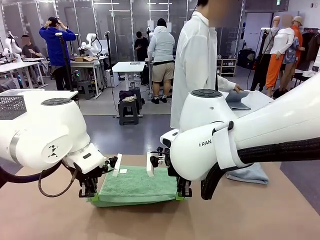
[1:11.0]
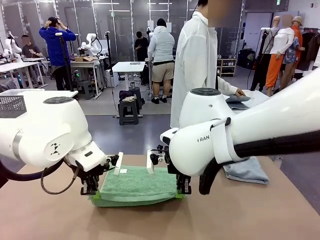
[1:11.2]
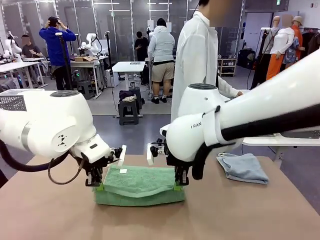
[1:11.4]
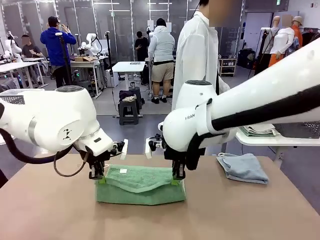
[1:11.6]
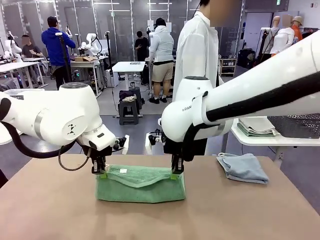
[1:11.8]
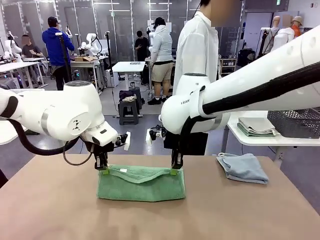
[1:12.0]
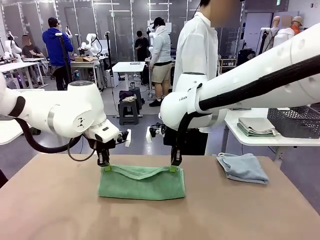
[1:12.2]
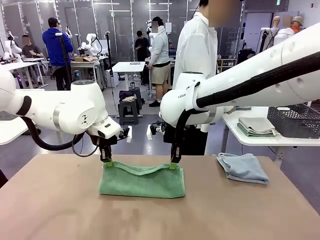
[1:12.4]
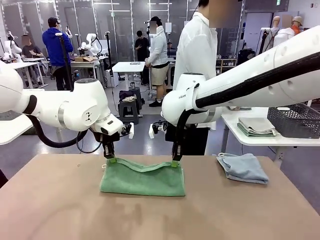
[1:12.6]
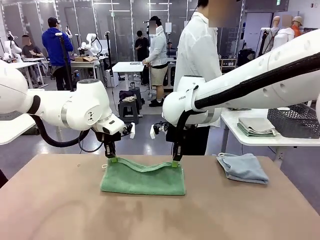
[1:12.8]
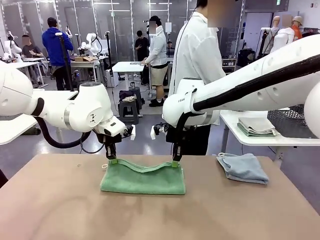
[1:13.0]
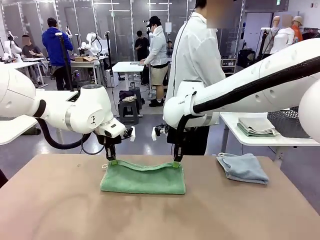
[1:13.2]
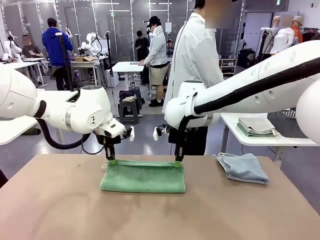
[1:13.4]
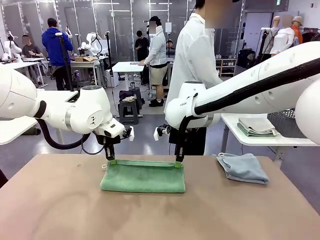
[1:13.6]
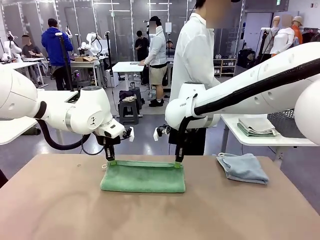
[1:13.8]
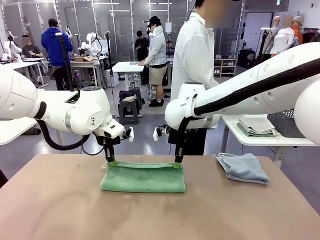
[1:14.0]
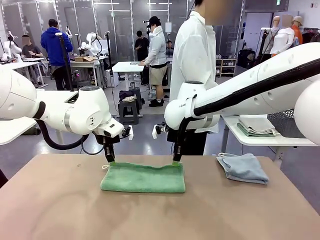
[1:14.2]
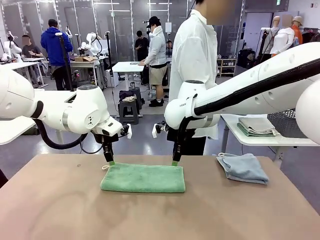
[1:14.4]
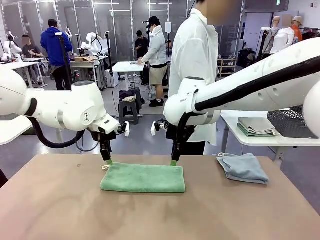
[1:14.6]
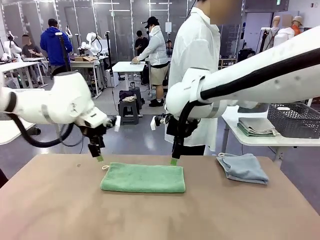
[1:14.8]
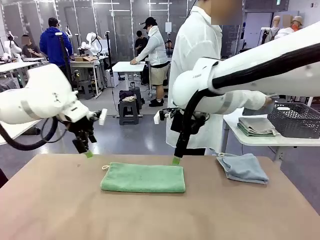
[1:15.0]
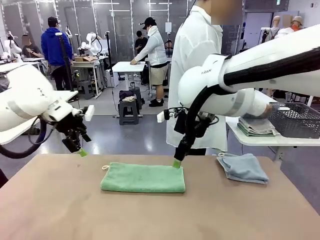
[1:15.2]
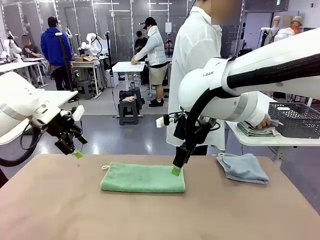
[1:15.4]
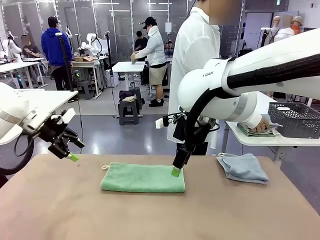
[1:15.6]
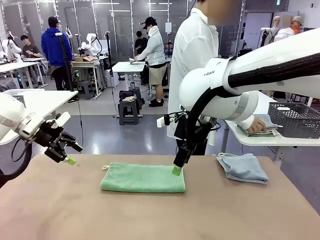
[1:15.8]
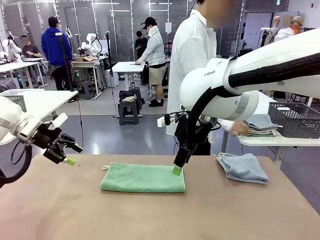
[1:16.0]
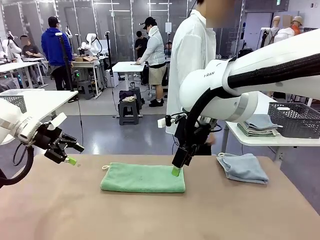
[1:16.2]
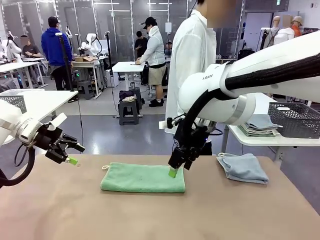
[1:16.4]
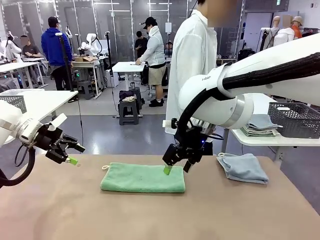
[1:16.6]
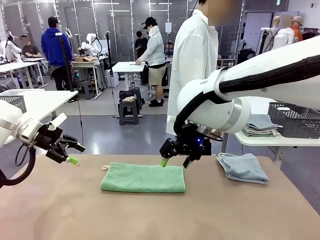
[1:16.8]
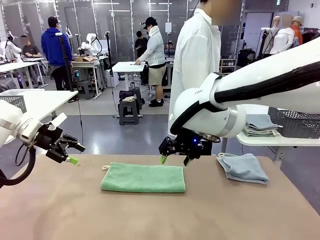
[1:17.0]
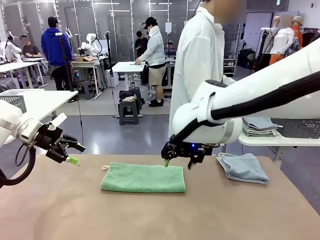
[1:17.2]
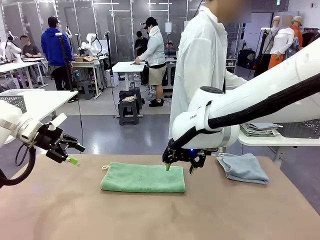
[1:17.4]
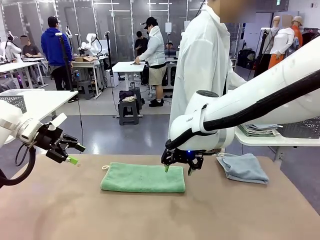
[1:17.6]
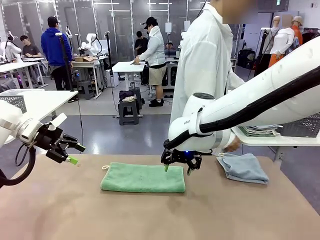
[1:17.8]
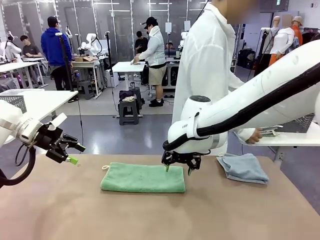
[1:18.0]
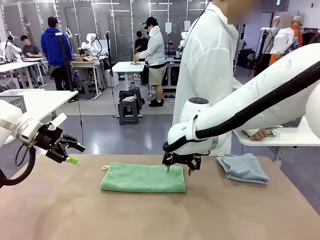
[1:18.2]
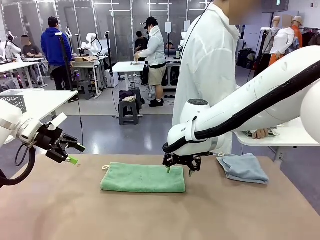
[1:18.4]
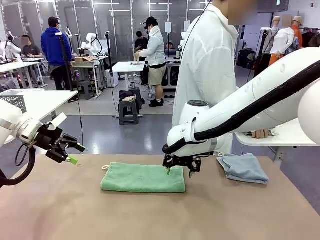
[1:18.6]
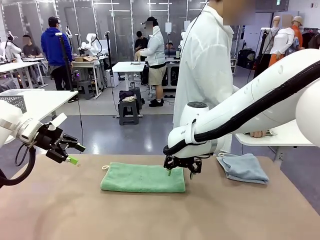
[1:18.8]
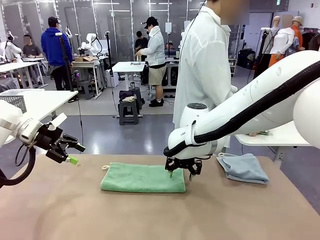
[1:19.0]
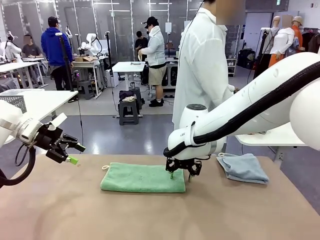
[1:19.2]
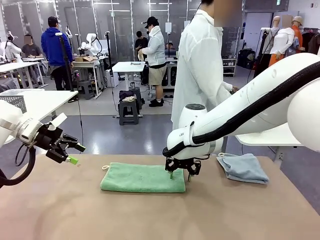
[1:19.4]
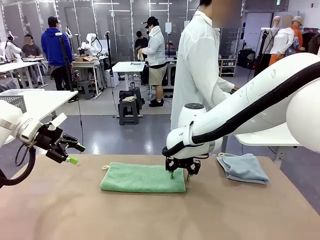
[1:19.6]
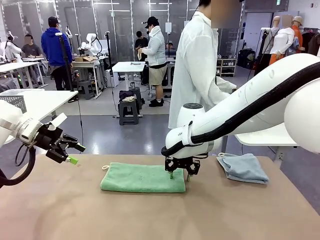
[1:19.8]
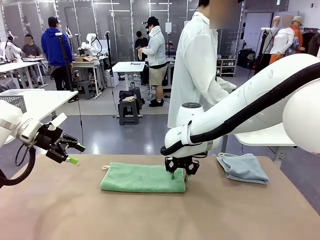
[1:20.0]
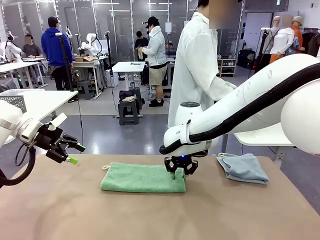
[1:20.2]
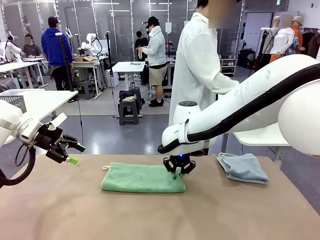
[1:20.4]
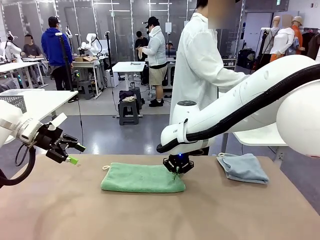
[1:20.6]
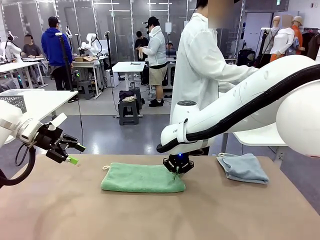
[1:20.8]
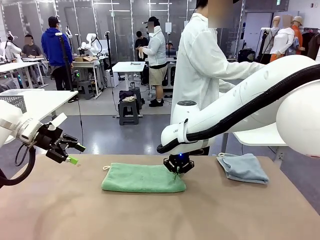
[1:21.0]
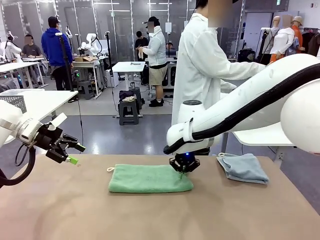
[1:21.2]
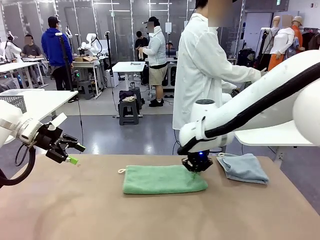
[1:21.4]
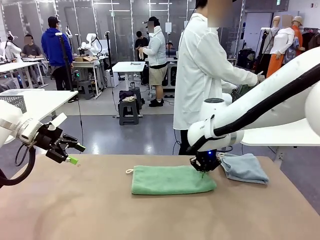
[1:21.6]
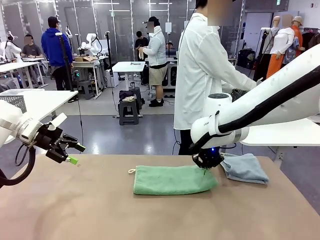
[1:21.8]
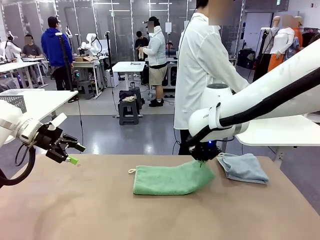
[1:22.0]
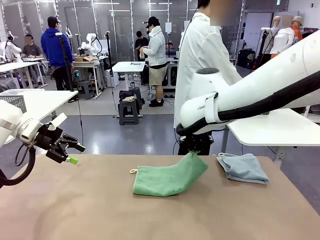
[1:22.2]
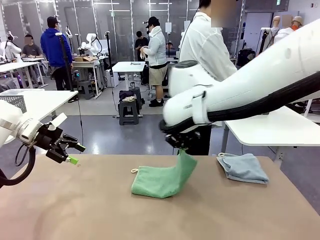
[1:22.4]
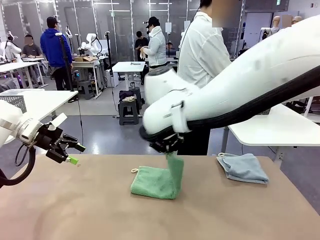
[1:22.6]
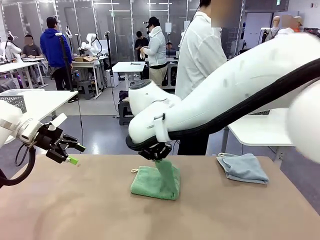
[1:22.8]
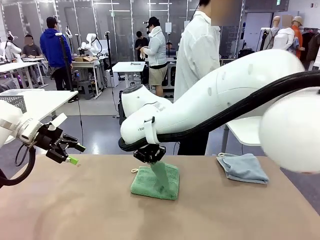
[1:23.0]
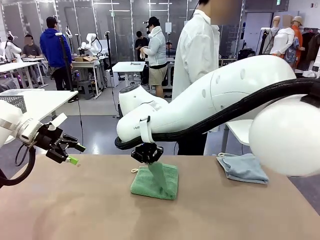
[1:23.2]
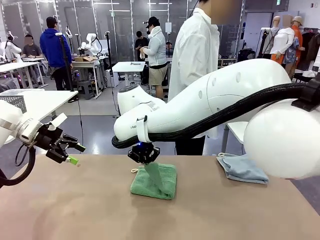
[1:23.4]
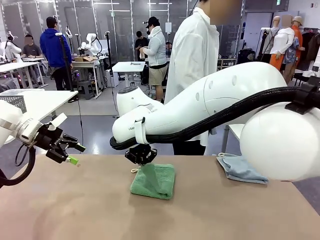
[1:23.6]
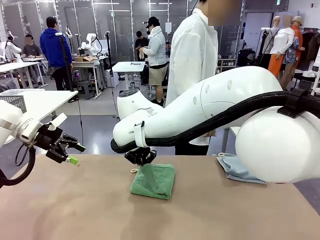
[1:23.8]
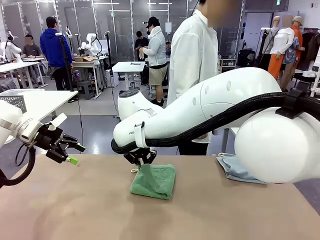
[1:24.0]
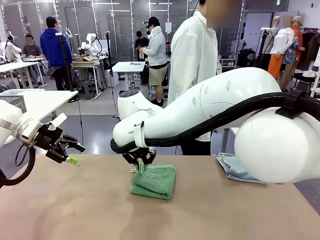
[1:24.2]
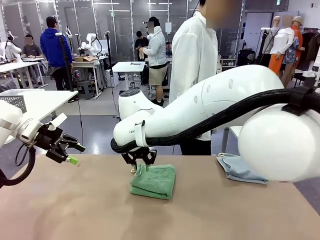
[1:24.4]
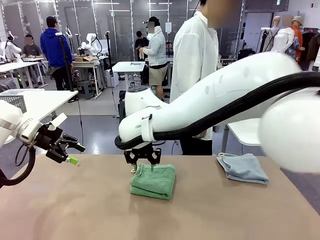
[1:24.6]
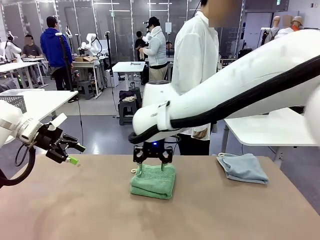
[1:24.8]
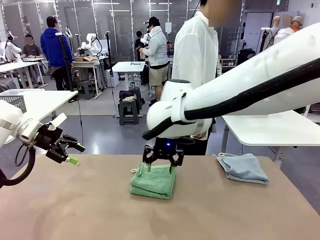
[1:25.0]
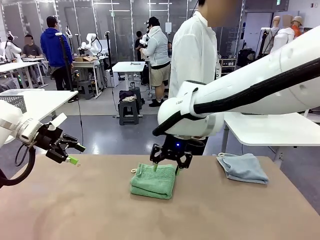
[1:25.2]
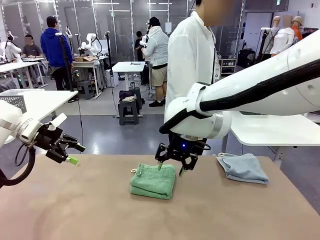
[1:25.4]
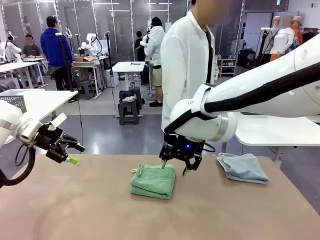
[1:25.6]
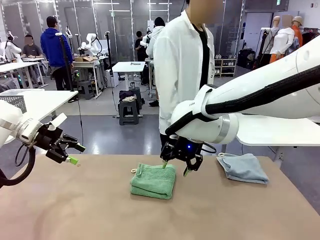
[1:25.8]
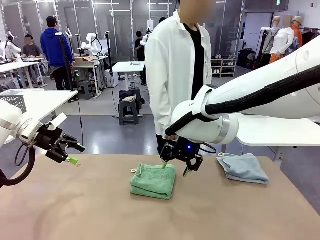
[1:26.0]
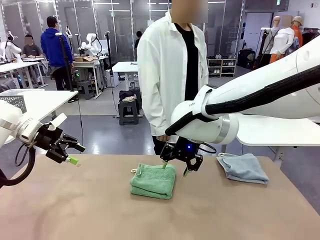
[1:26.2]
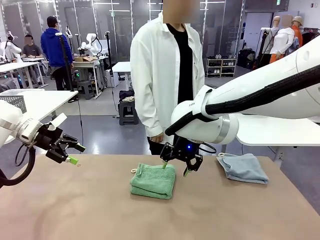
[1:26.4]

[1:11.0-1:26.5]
Task: Fold the towels and place them in the basket.
Robot: When a person lays out a Towel with hook on the table, fold it in half twice.
Person: Pick up the stack of towels from the right side of the human table, place it into the basket, and put the basket at the center of the table.
